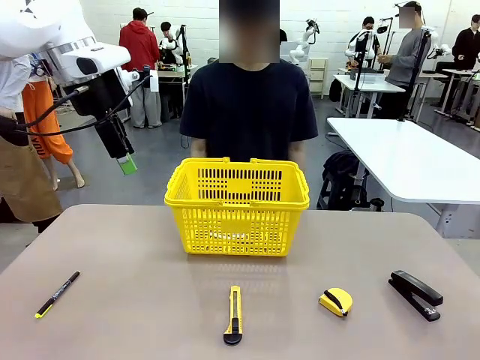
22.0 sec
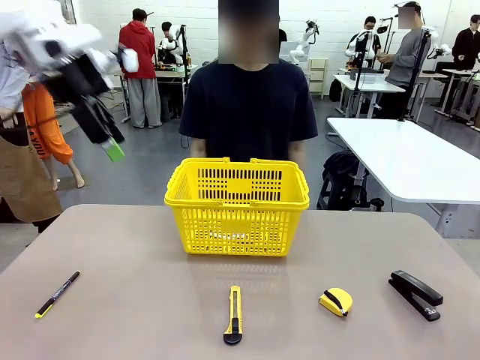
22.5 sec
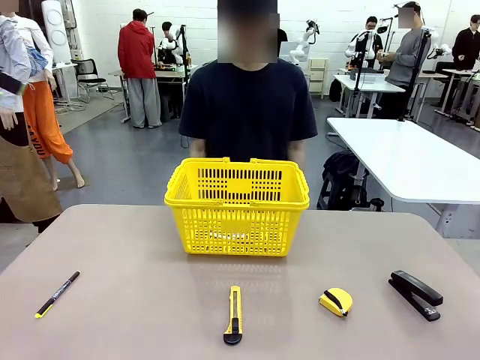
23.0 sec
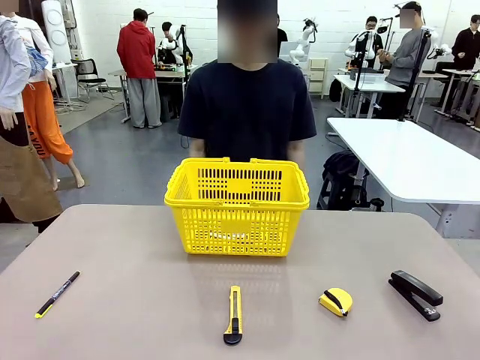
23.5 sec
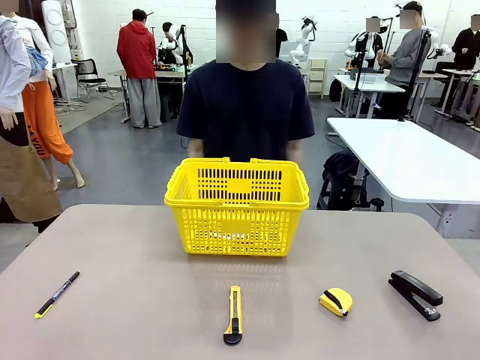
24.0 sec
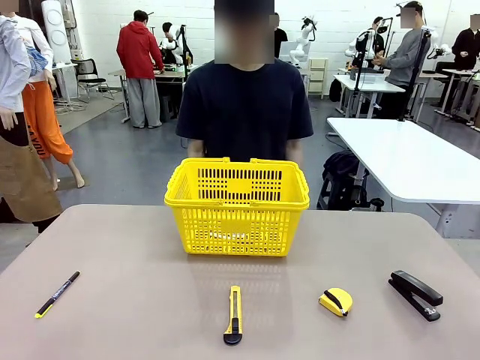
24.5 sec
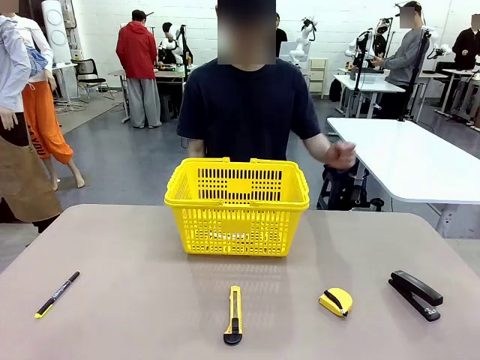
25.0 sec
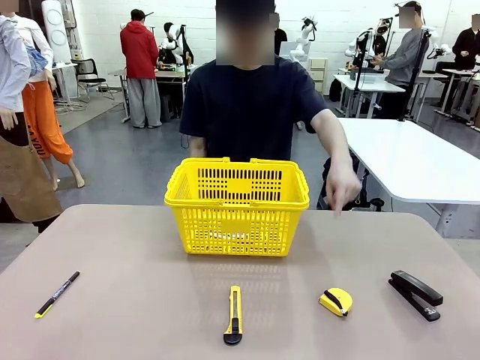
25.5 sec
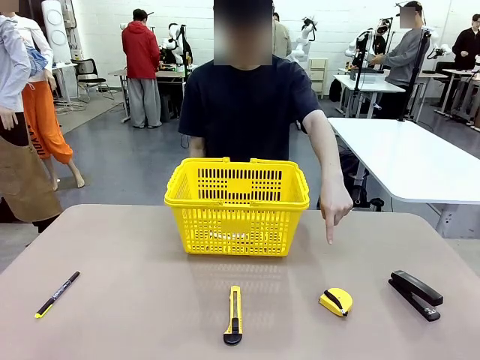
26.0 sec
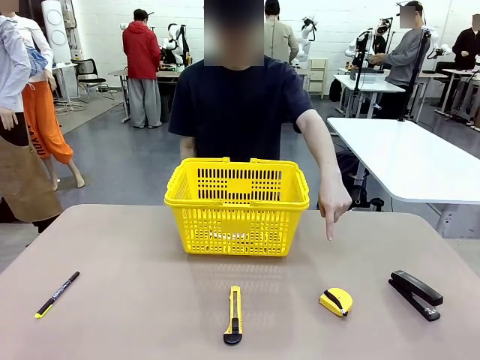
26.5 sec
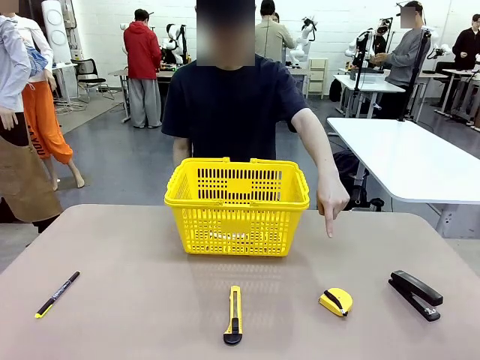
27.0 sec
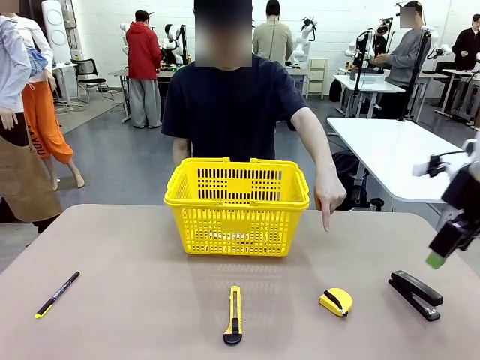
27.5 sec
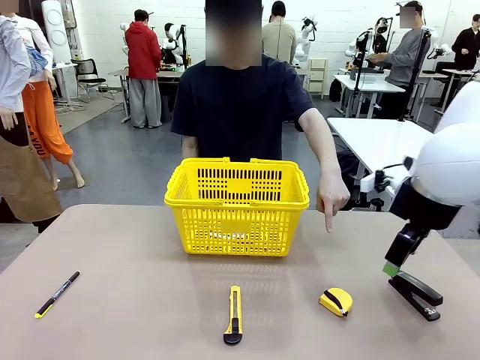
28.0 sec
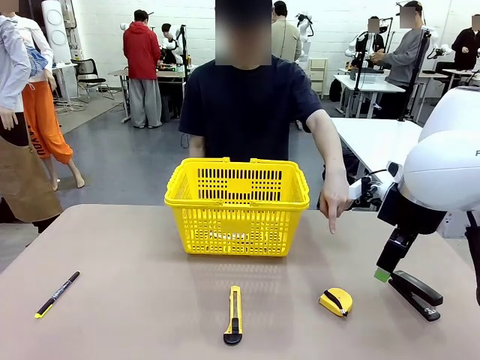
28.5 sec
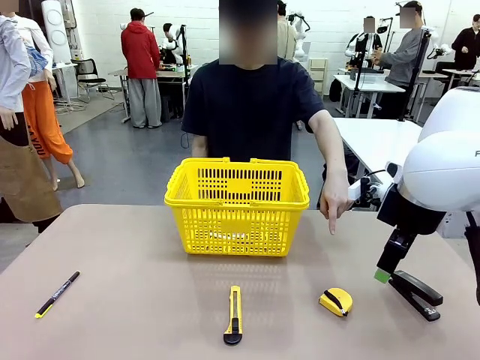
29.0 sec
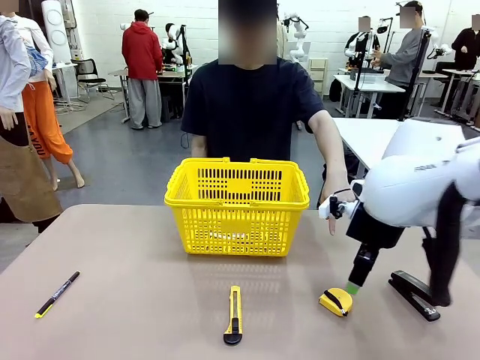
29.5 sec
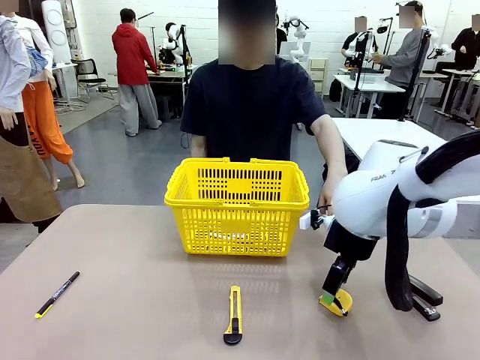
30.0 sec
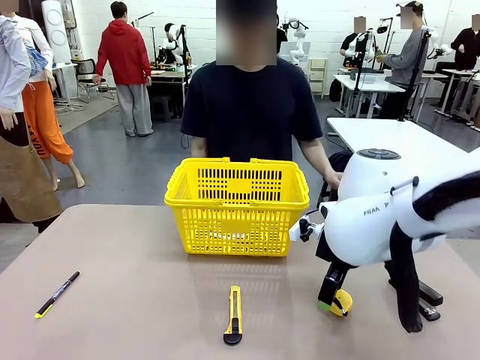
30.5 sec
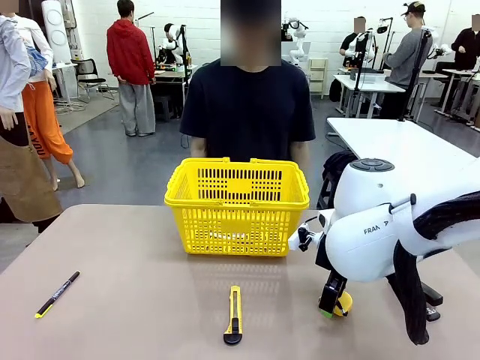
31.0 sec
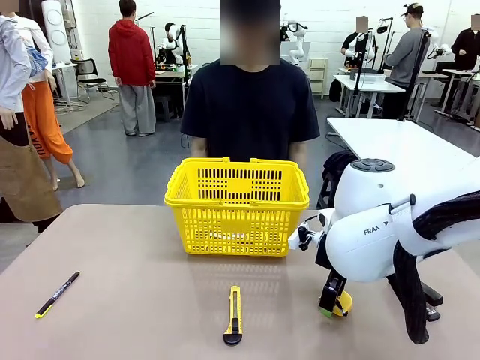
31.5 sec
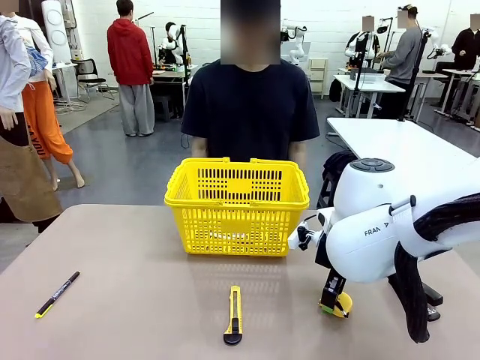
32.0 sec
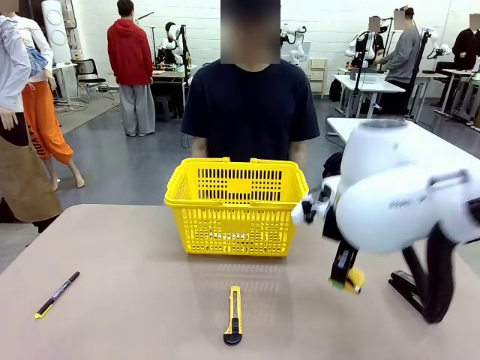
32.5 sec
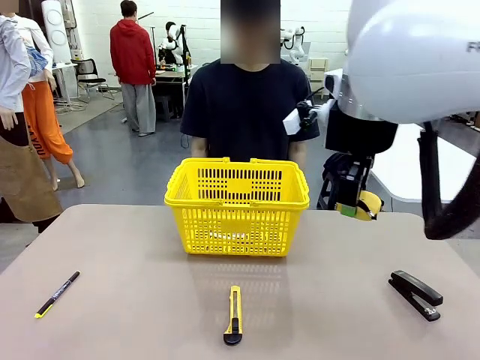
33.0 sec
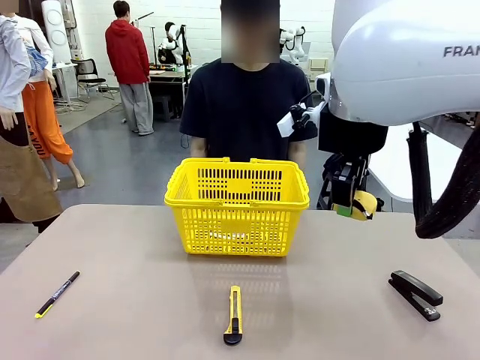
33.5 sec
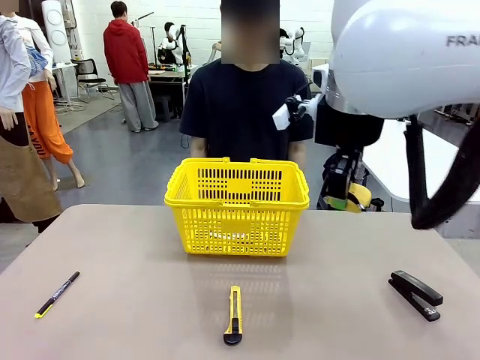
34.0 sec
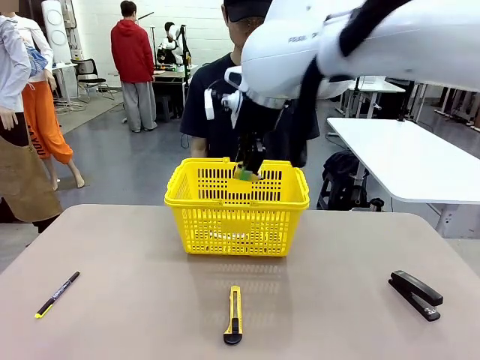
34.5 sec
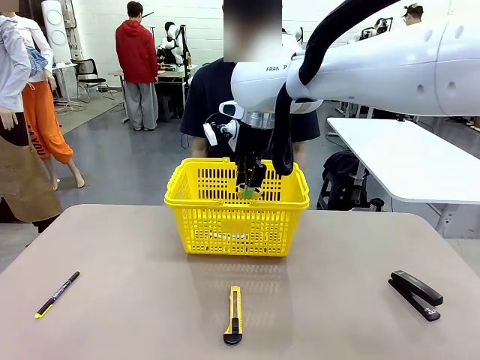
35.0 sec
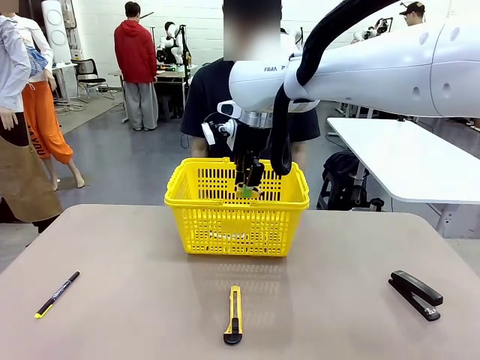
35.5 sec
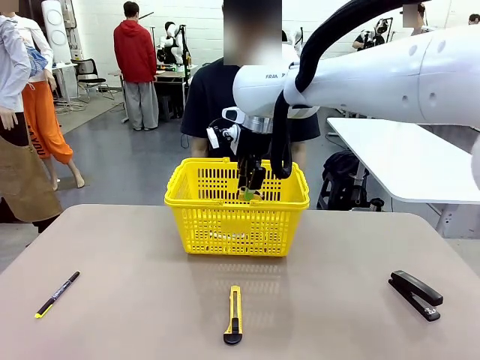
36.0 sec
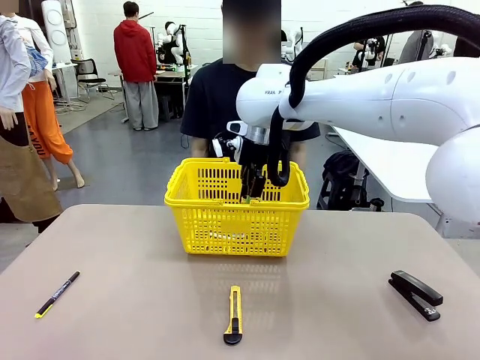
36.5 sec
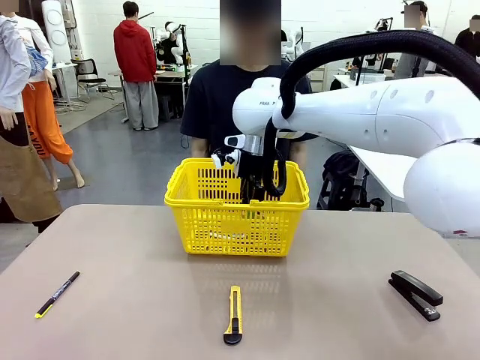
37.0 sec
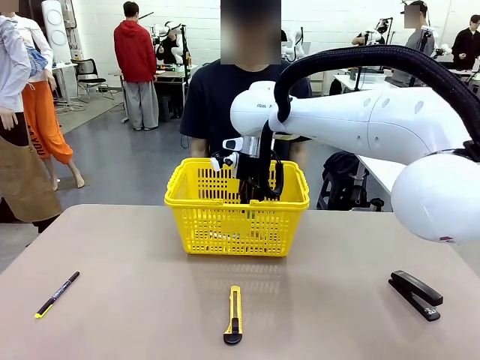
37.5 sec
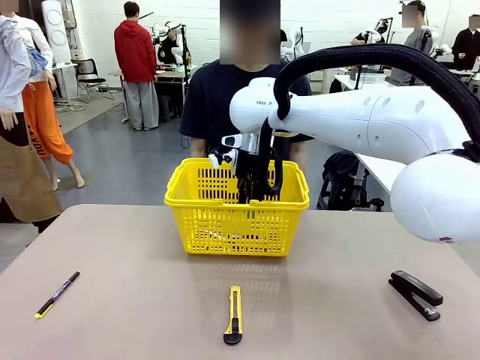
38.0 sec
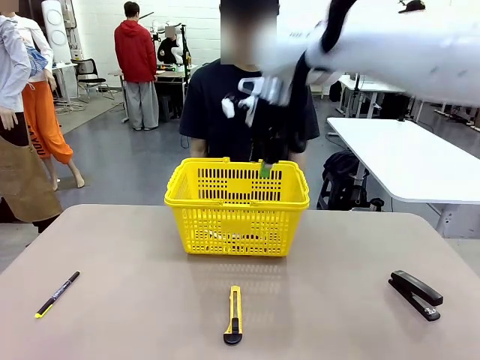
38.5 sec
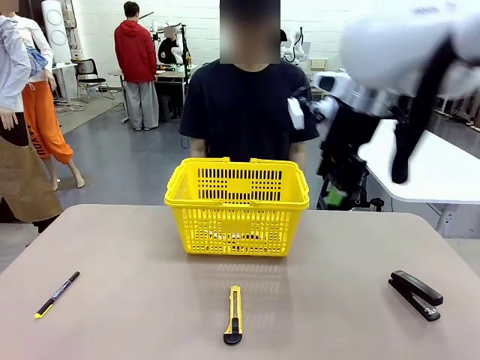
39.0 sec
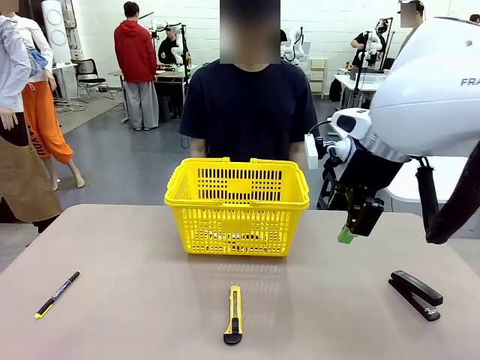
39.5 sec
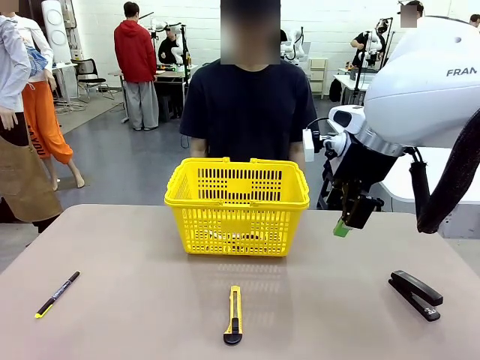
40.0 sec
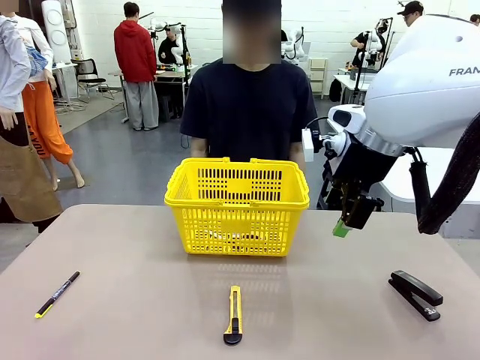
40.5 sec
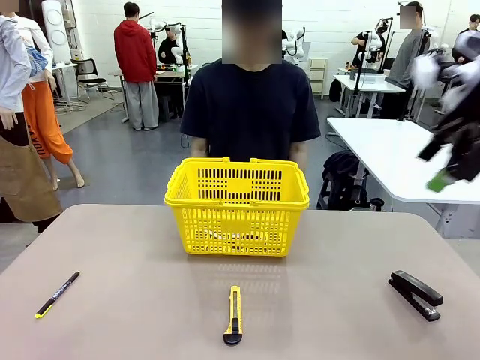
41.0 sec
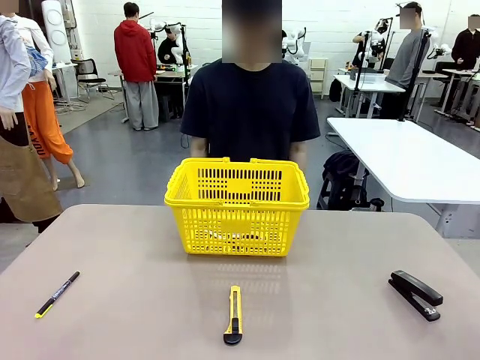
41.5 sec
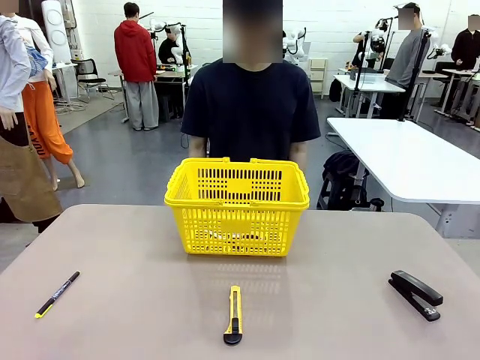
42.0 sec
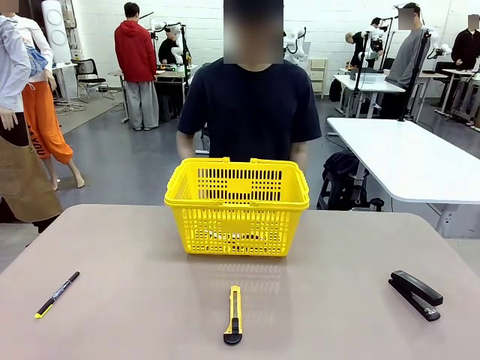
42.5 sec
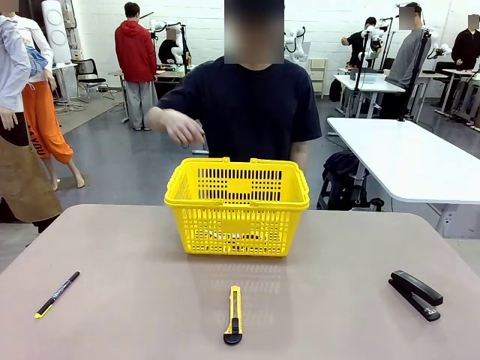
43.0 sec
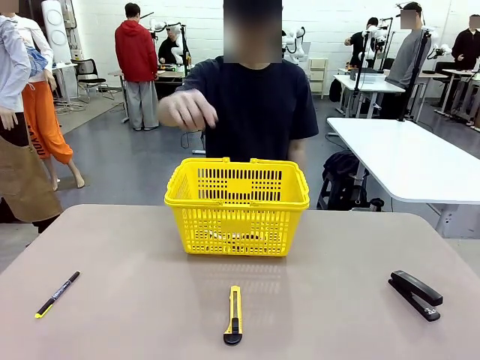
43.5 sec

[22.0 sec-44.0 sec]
Task: Place the items the person wants into the basket.
Robot: Pick up the item the person points to and place it in the Market Basket.

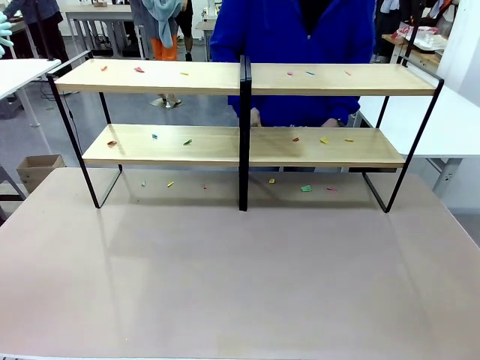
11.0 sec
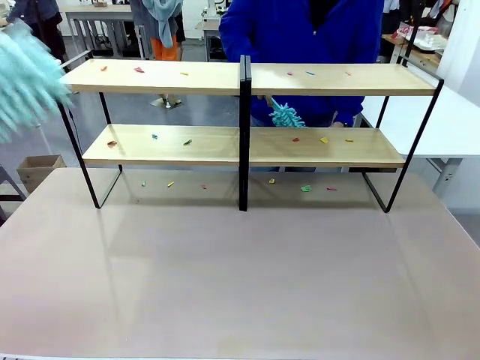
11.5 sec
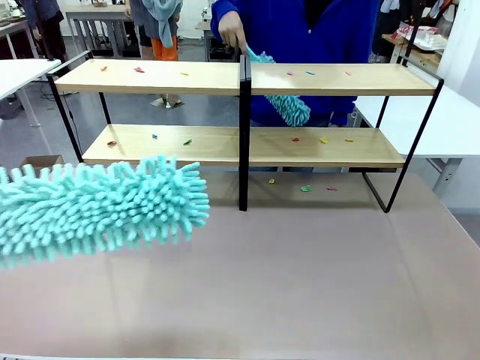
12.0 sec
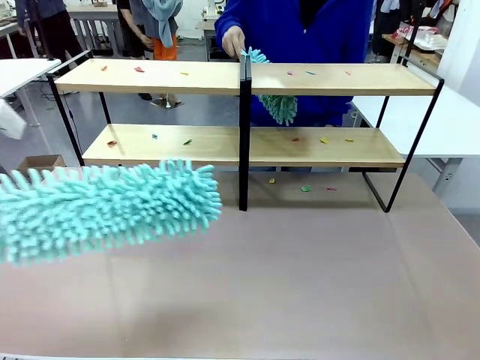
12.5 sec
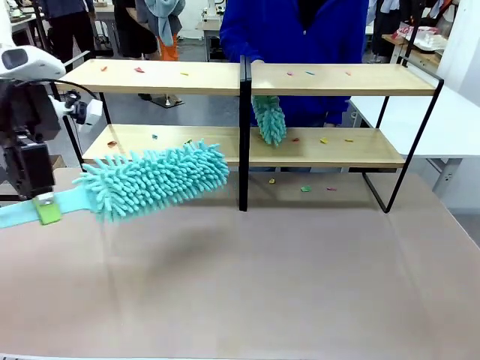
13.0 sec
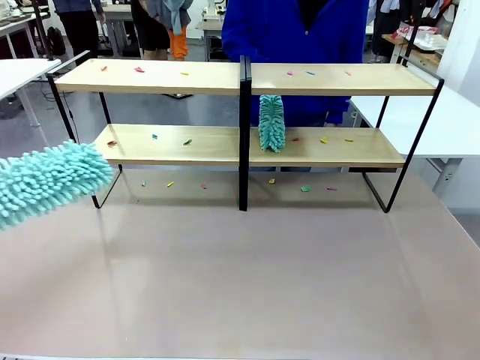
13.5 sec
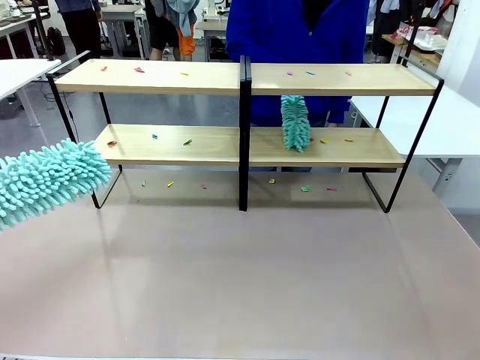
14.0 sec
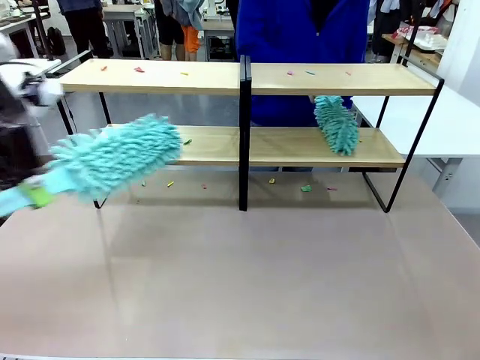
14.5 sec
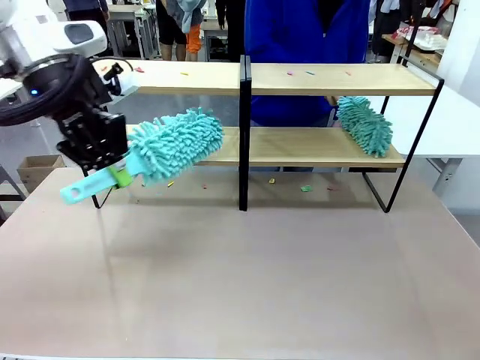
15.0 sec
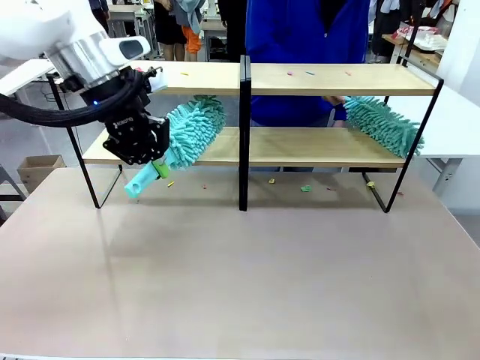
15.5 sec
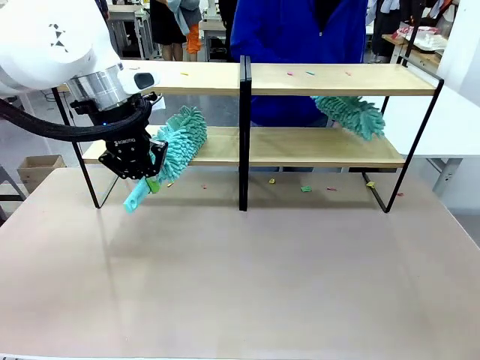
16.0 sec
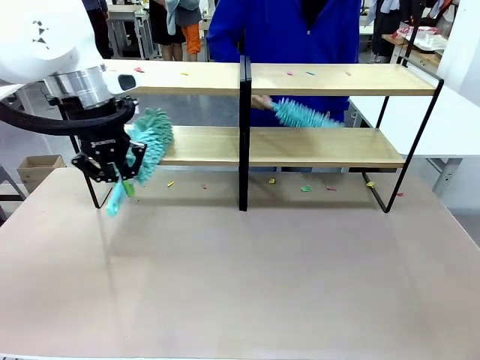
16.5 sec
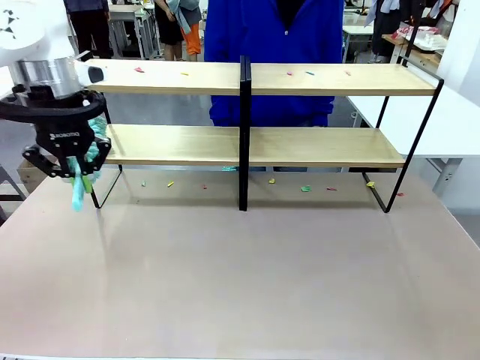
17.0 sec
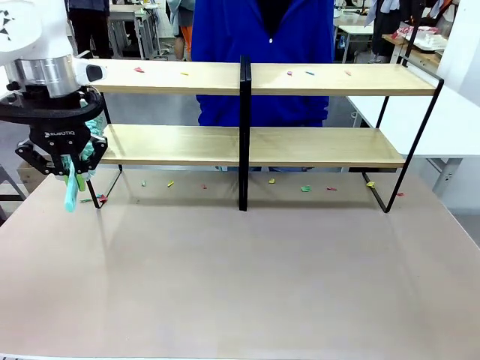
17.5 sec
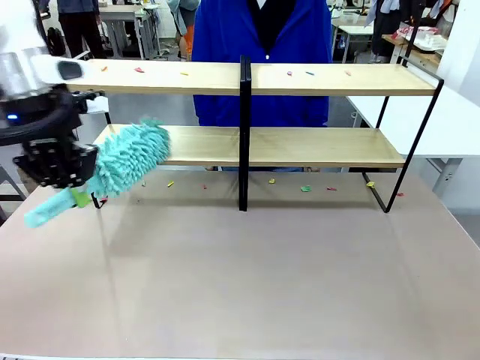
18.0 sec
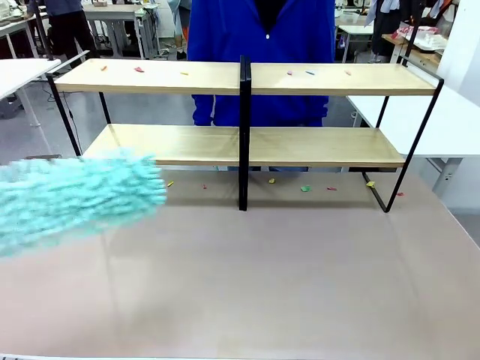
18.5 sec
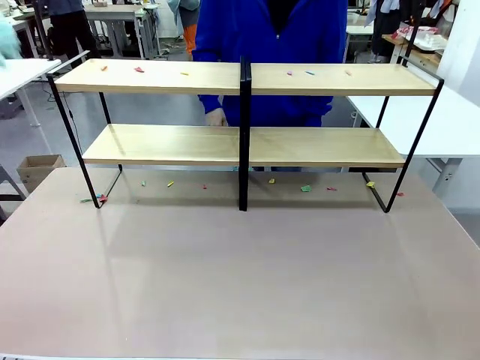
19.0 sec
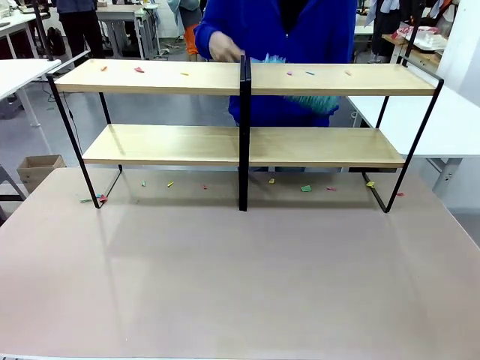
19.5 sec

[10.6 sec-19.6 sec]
Task: Clean the shelves.
Robot: Clean a randomly selected level of the Shelf with the Duster.
